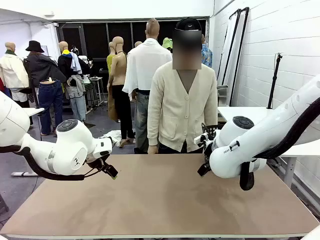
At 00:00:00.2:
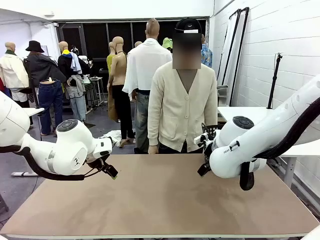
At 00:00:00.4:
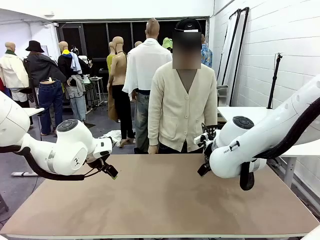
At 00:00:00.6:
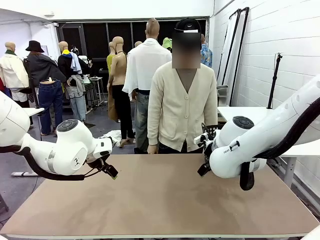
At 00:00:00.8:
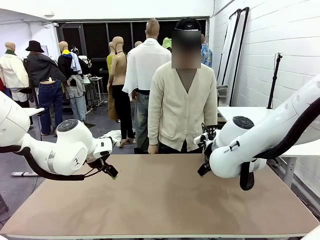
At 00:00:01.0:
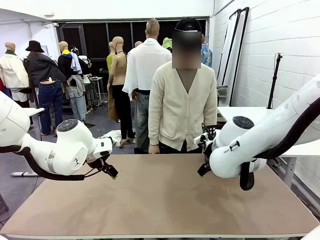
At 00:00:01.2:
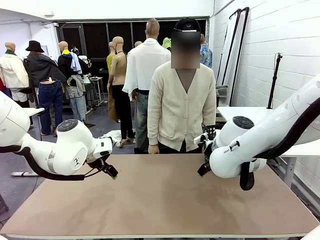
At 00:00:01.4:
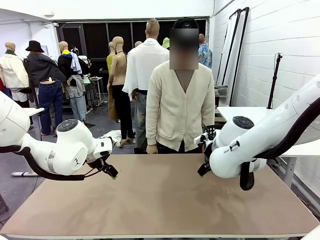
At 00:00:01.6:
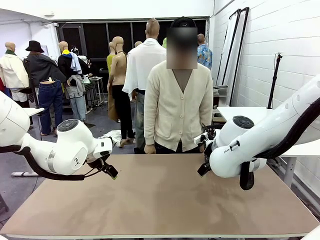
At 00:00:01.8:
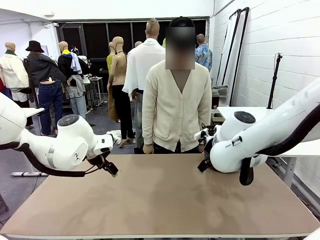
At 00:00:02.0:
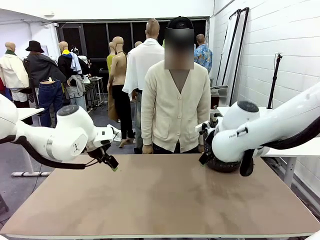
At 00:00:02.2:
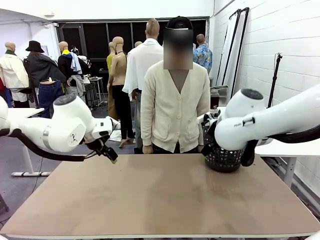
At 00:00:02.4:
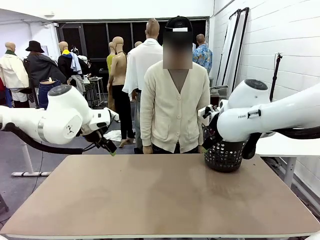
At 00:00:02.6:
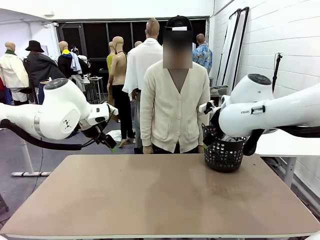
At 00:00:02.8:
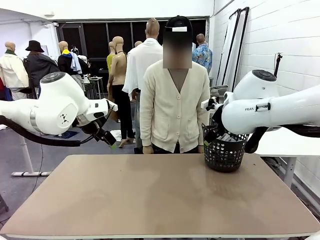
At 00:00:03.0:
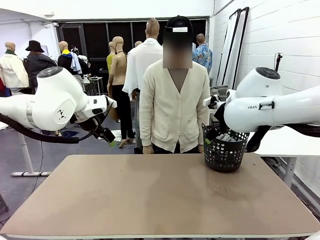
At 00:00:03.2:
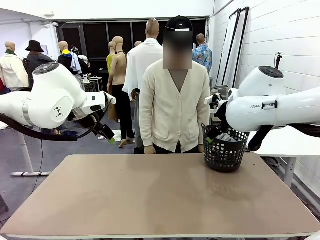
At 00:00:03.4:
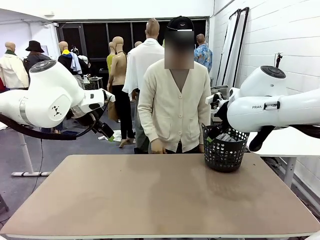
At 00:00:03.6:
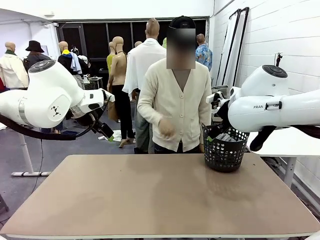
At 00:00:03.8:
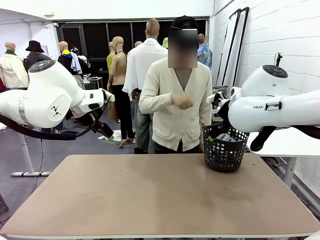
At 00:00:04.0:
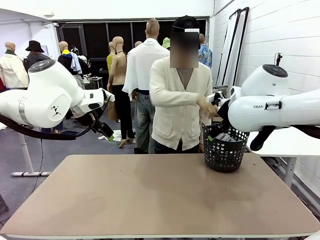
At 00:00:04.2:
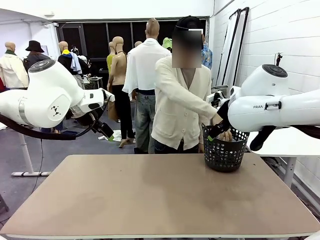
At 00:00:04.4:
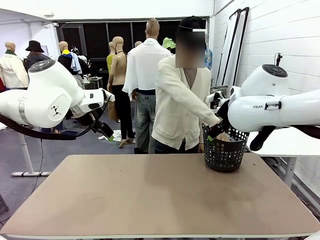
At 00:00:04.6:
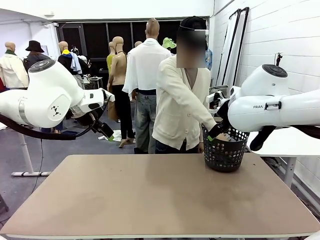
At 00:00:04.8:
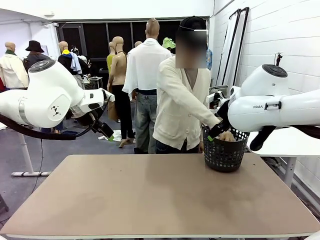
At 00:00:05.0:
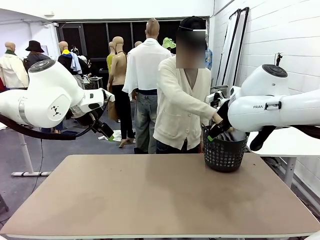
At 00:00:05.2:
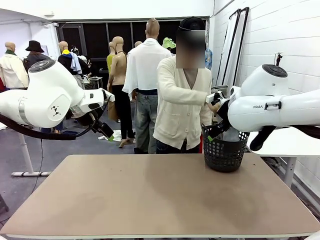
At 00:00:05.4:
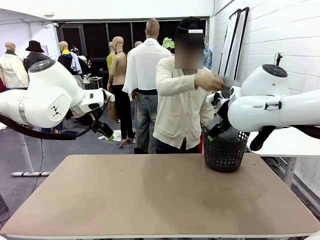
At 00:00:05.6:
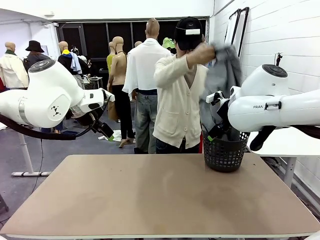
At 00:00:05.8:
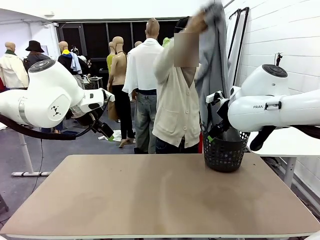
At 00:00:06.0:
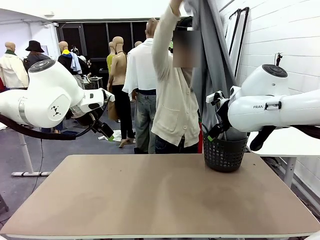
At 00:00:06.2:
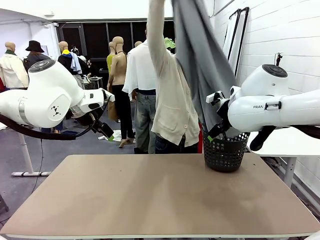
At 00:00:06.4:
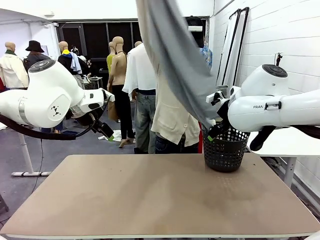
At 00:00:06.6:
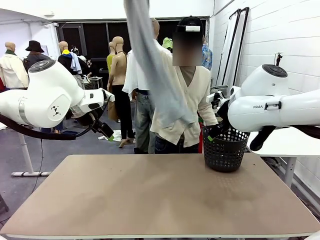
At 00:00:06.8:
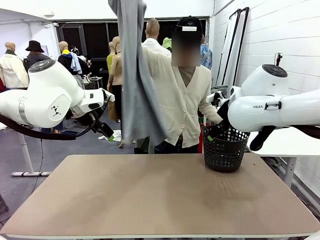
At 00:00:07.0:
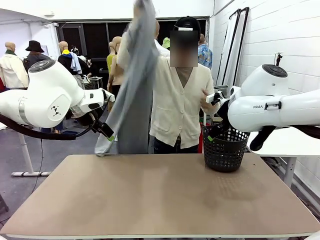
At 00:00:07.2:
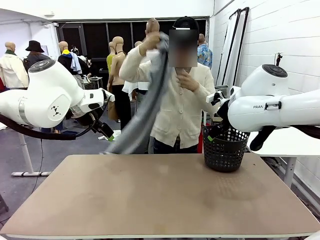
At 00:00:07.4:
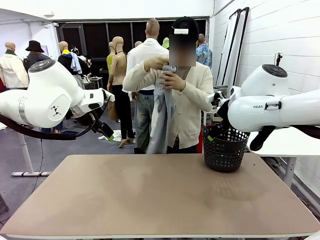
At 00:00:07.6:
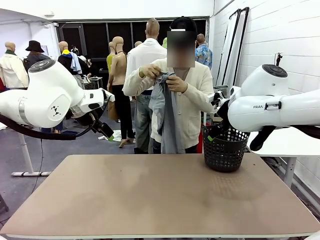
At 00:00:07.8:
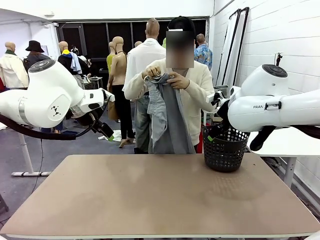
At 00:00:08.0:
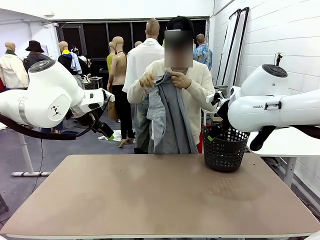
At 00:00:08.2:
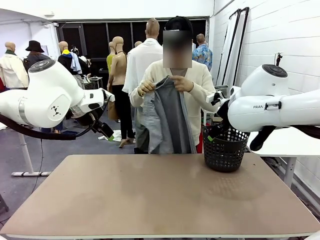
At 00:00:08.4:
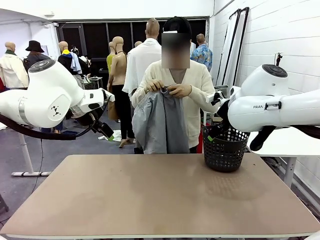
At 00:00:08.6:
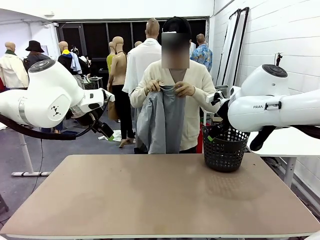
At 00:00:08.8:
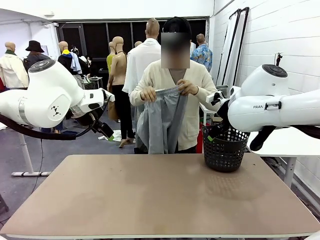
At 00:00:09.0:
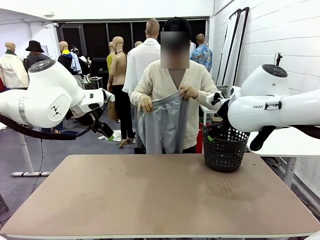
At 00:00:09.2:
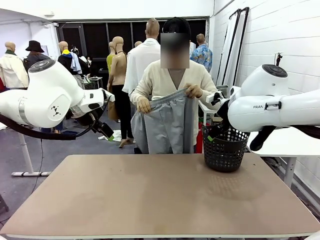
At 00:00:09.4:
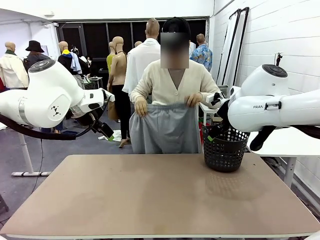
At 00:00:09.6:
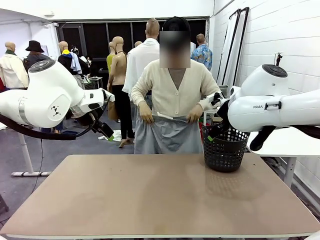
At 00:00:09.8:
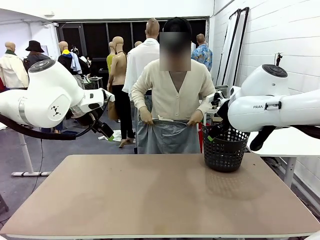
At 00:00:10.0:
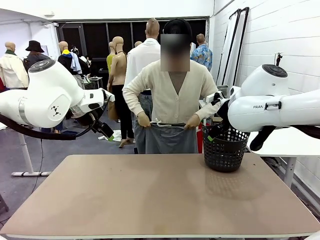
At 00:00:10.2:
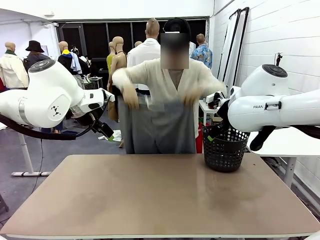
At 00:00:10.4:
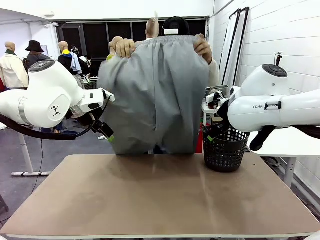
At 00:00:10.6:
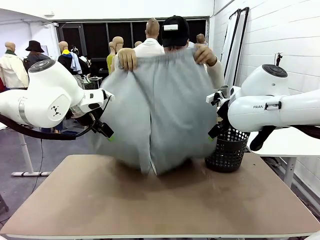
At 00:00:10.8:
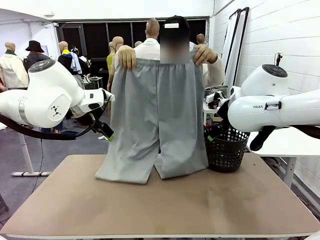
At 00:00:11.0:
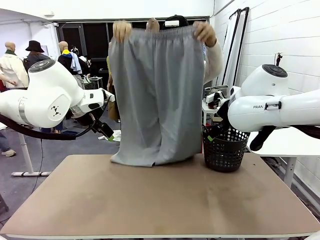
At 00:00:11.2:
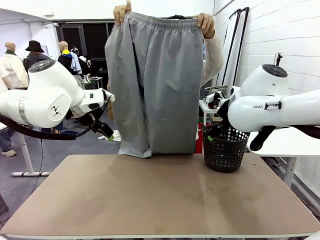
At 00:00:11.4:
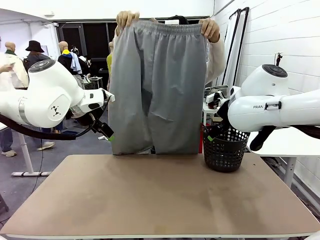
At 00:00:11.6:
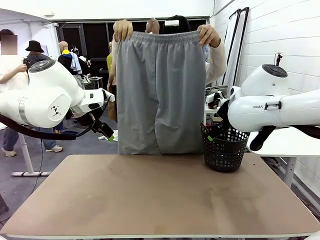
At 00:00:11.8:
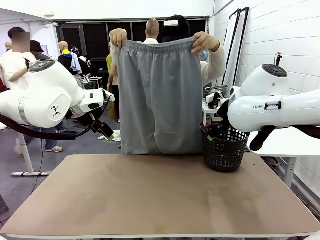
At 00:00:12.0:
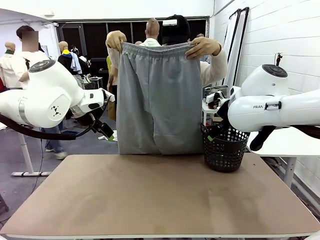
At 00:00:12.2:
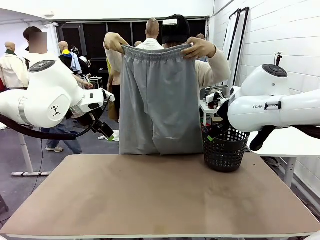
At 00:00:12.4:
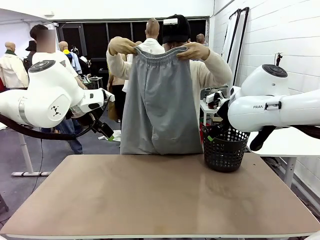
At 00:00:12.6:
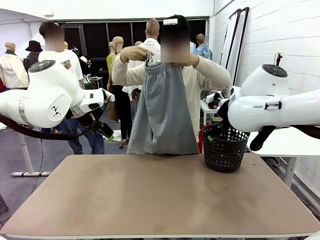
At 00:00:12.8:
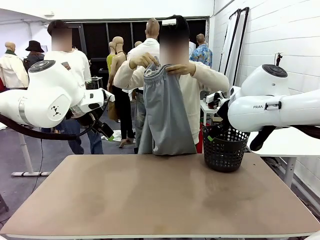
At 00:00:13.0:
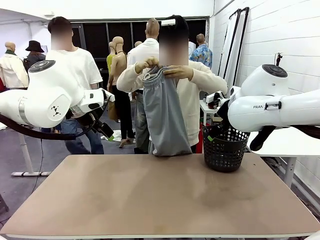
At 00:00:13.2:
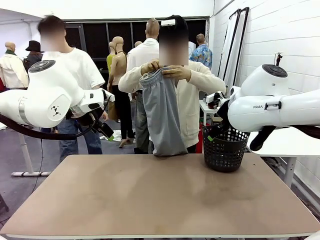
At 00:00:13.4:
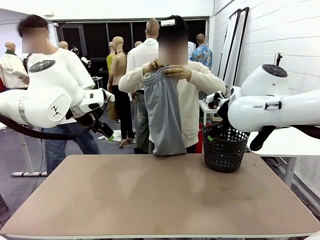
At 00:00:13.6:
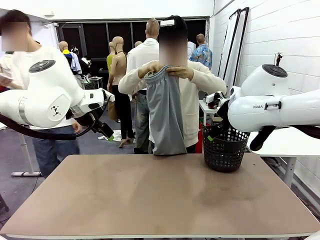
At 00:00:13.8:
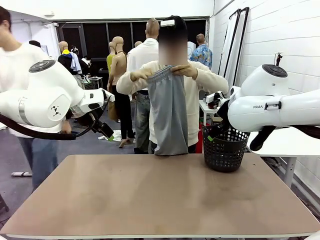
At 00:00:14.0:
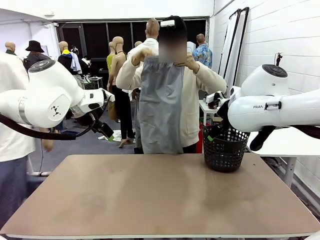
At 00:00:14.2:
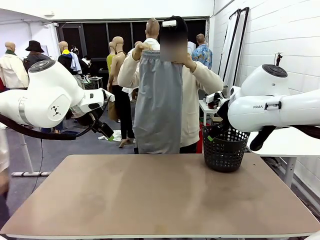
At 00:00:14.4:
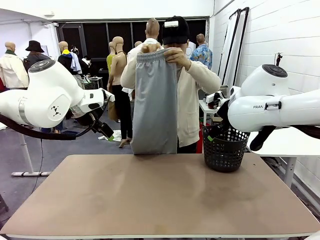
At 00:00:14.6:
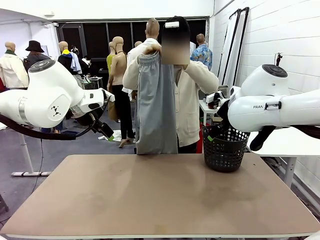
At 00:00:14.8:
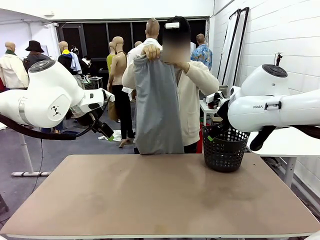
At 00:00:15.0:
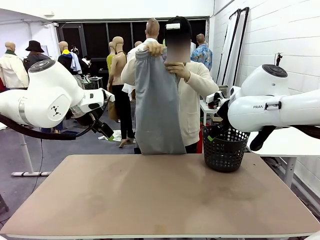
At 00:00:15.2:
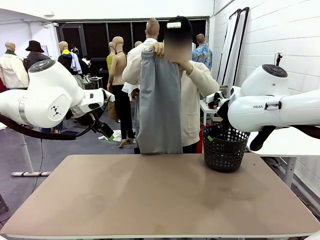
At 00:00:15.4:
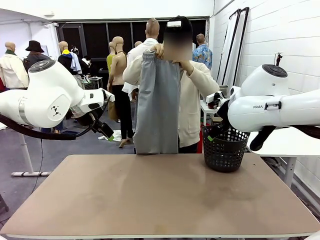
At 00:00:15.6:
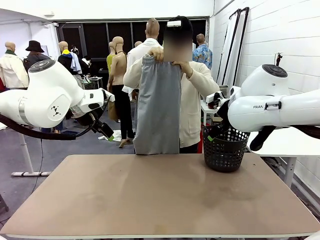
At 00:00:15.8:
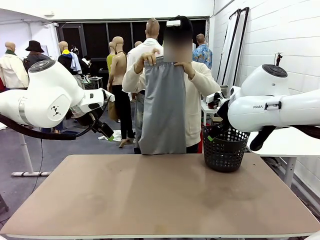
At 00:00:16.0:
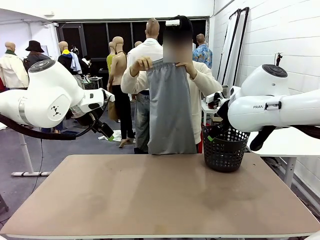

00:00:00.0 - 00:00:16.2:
Task: Fold the training pants.
Robot: Grab both ends of the Training pants handed by a person.
Person: Take the long pants out of the laundry basket, unfold them, fold the waist in half, and extend them so the robot can pick up both corners.
